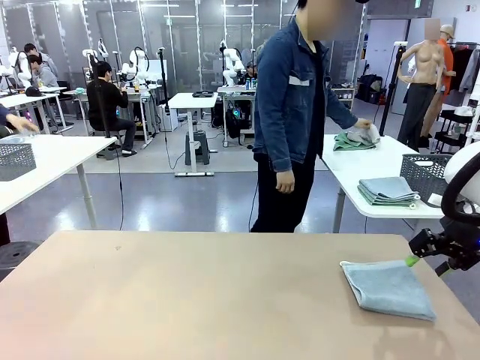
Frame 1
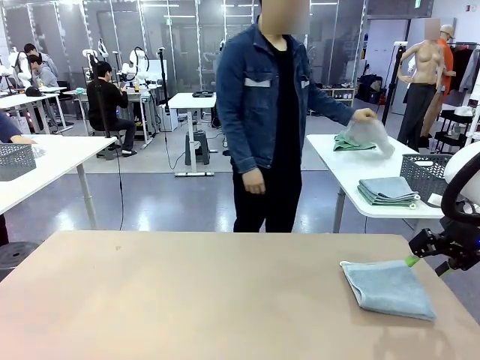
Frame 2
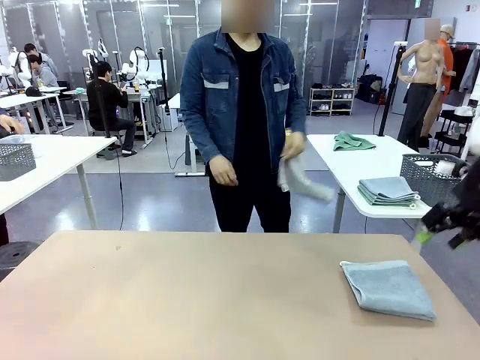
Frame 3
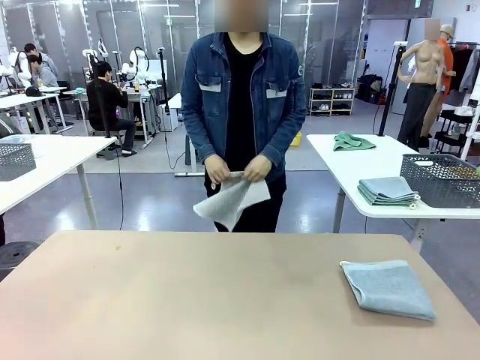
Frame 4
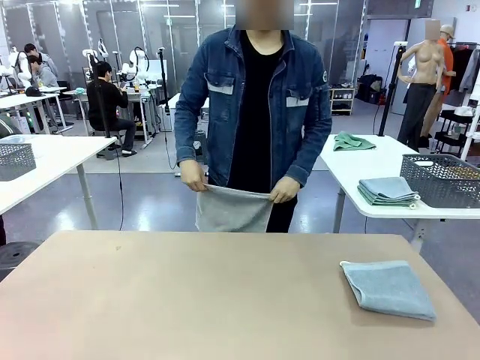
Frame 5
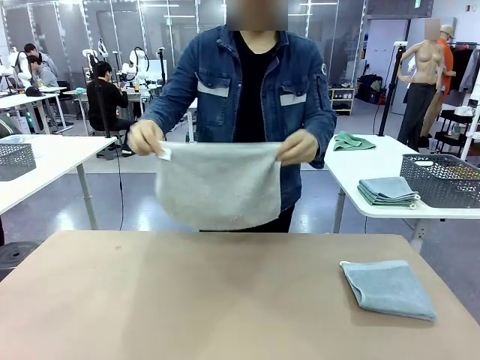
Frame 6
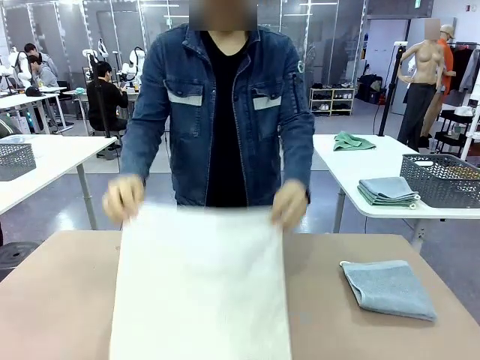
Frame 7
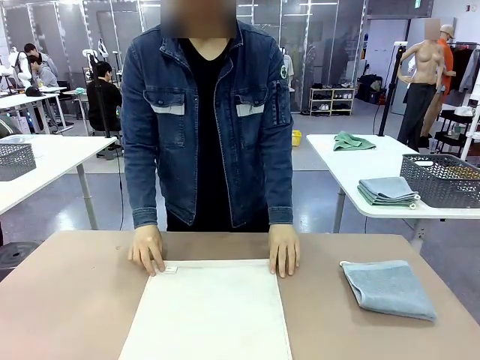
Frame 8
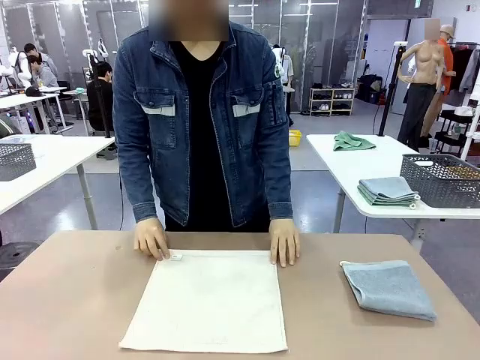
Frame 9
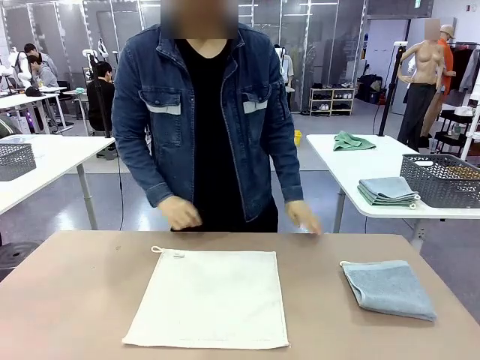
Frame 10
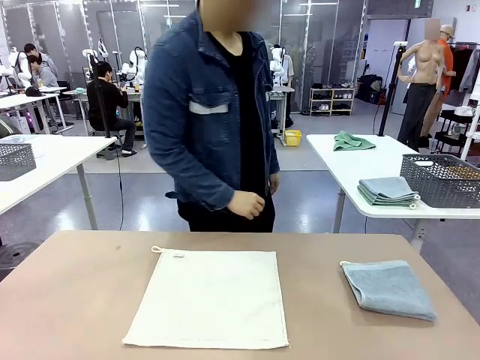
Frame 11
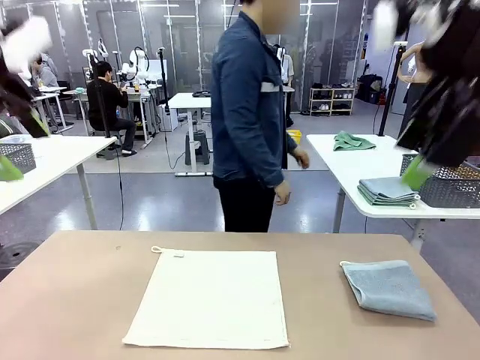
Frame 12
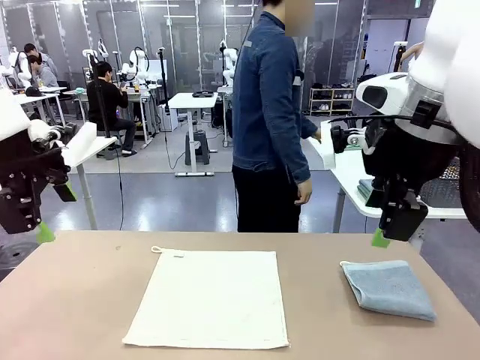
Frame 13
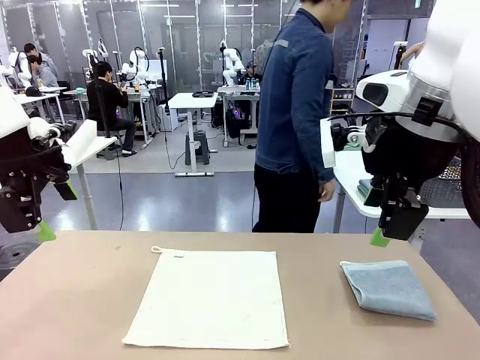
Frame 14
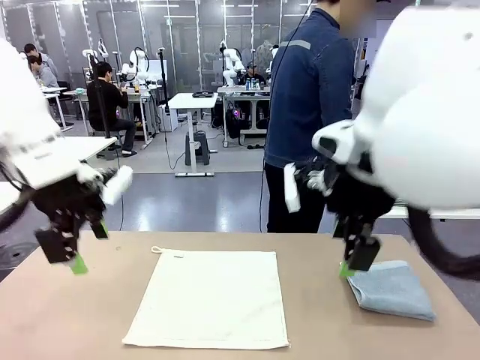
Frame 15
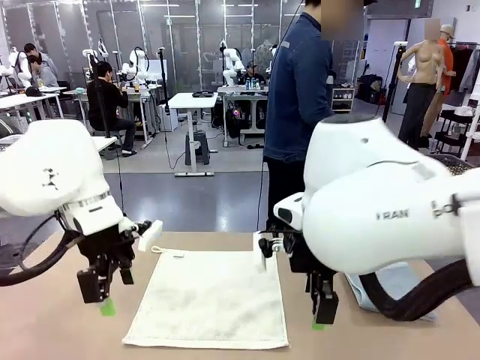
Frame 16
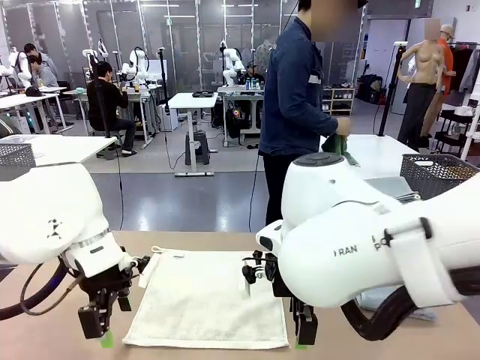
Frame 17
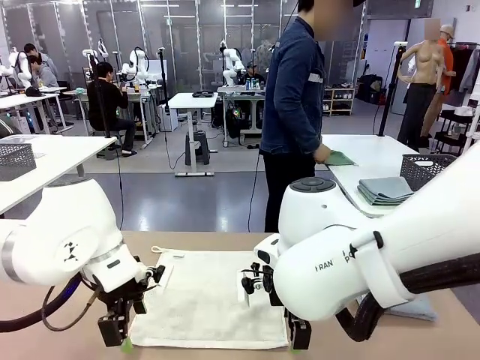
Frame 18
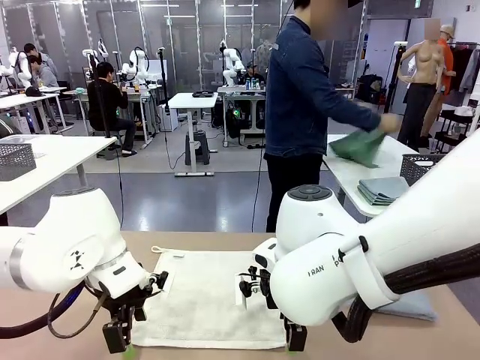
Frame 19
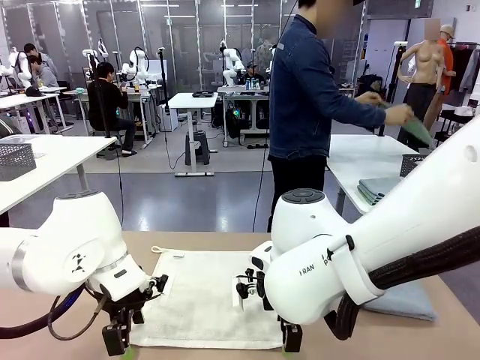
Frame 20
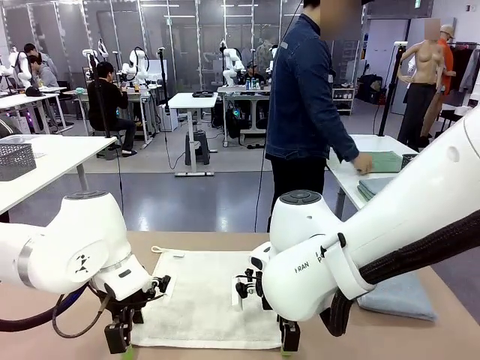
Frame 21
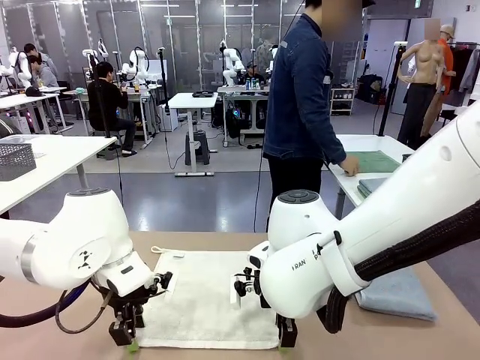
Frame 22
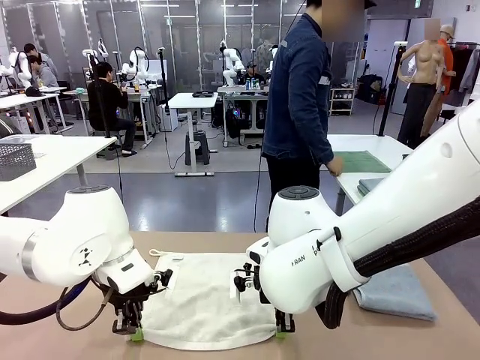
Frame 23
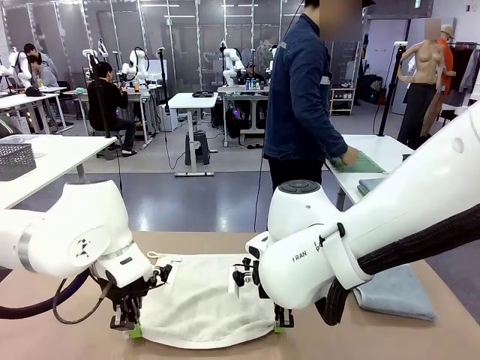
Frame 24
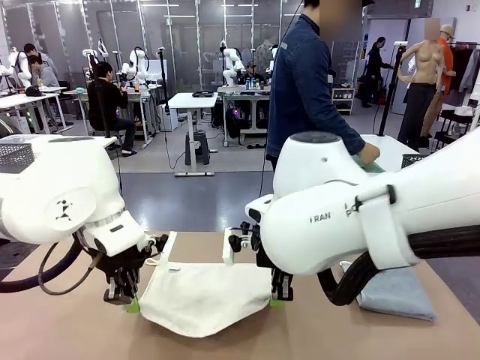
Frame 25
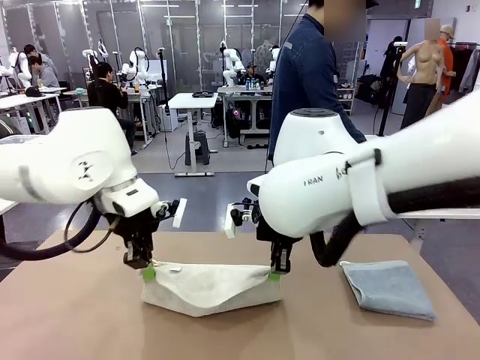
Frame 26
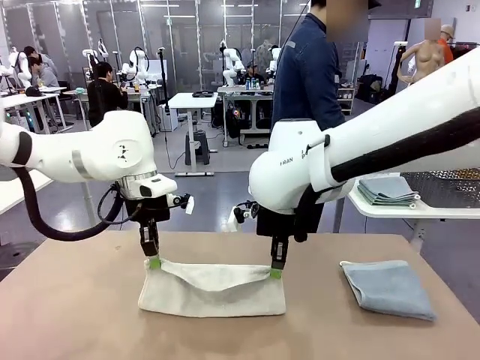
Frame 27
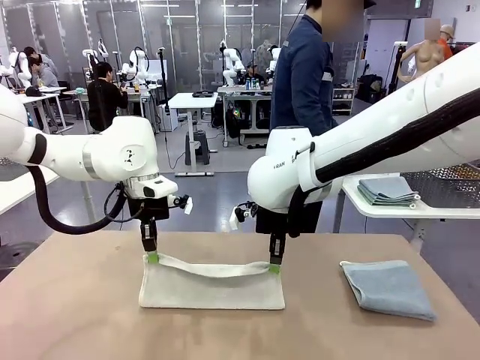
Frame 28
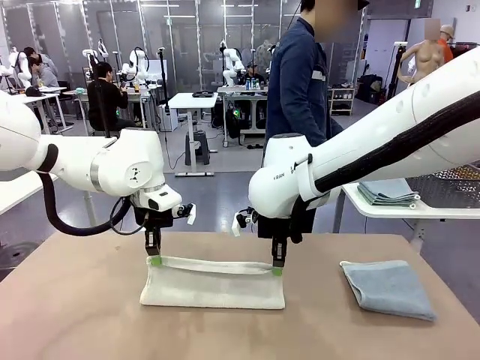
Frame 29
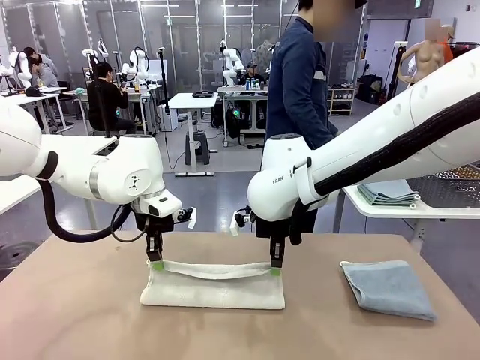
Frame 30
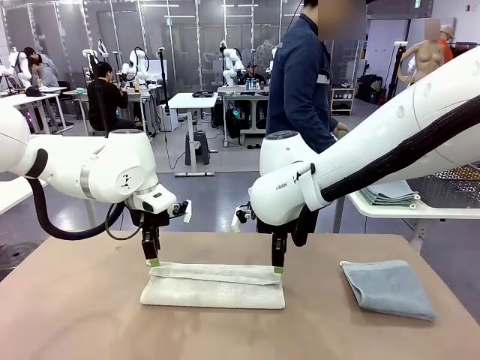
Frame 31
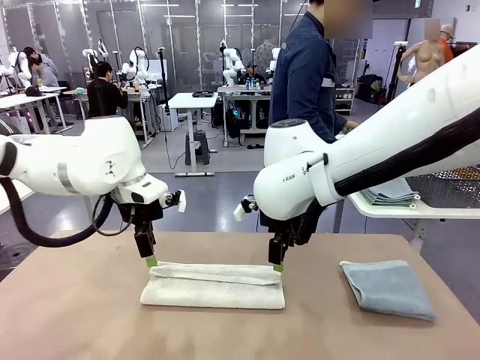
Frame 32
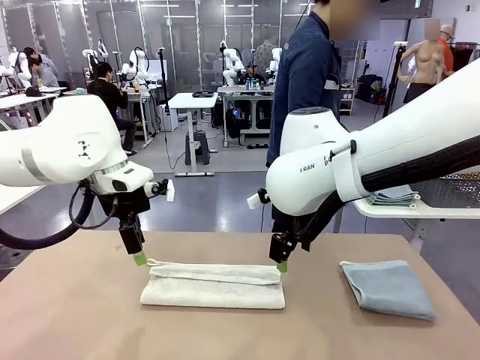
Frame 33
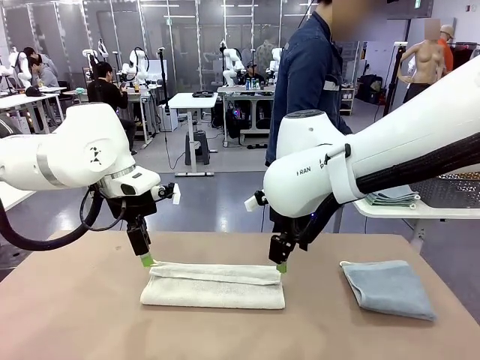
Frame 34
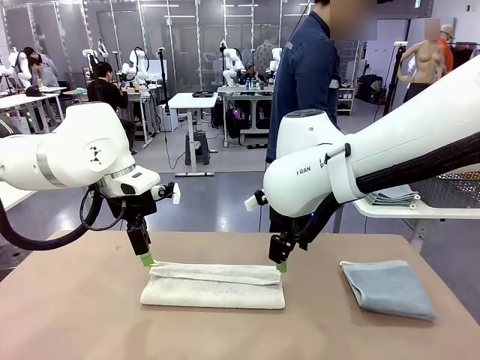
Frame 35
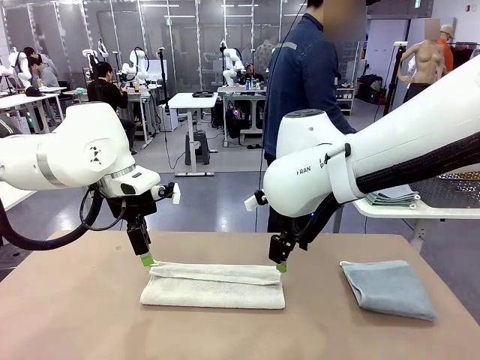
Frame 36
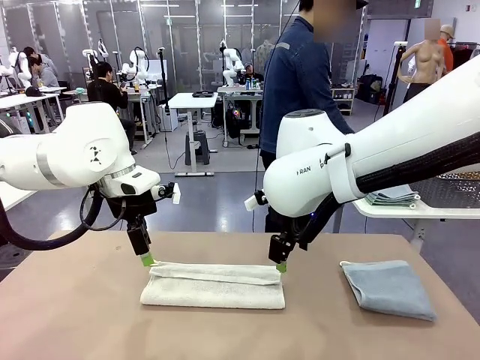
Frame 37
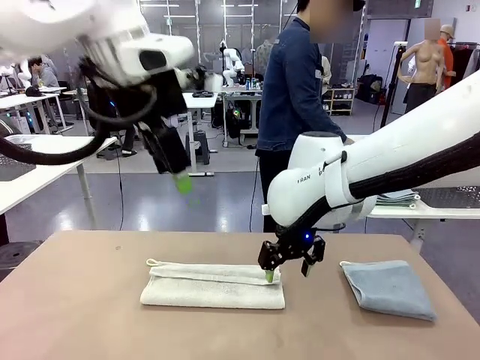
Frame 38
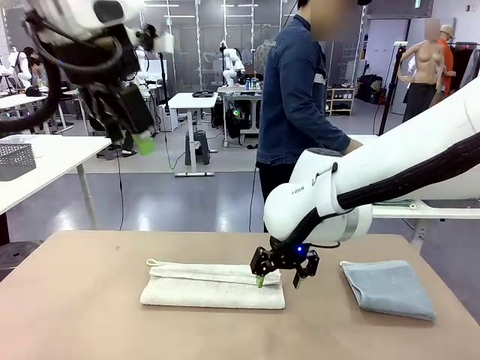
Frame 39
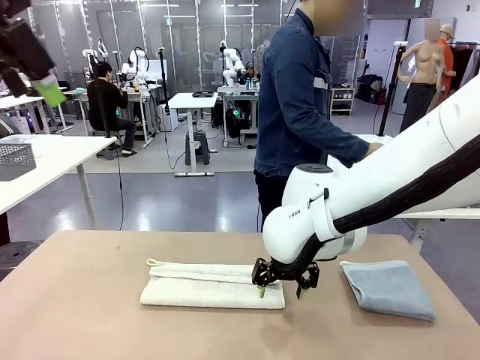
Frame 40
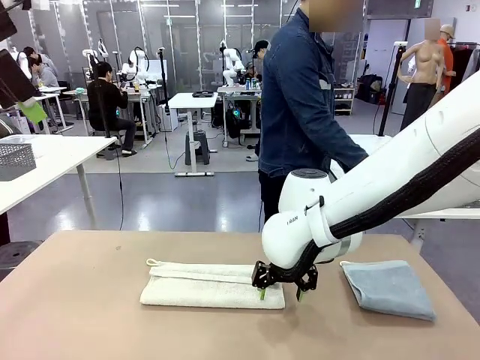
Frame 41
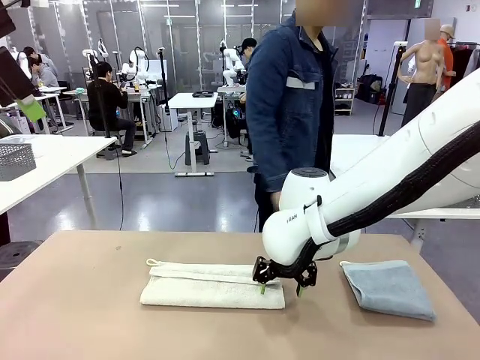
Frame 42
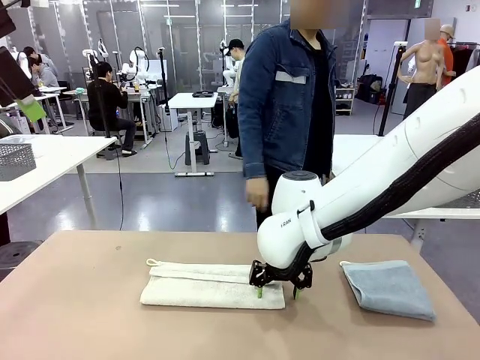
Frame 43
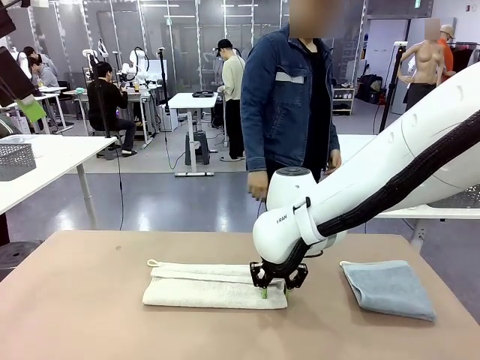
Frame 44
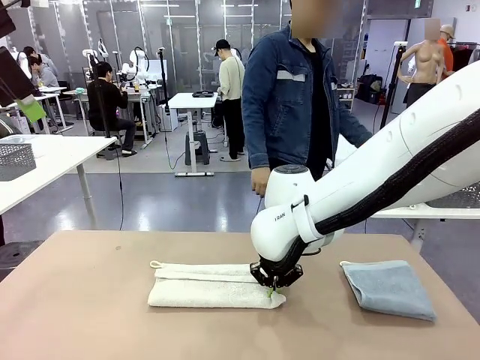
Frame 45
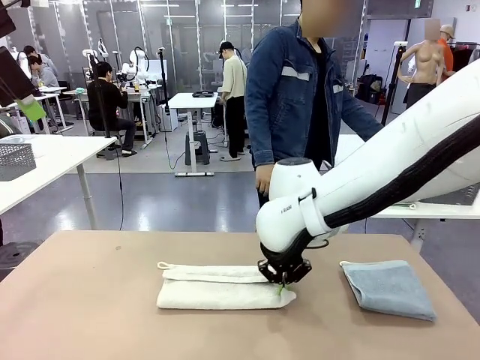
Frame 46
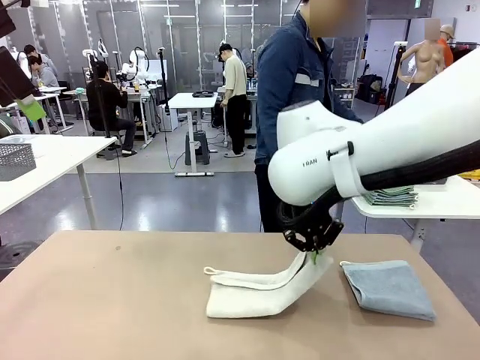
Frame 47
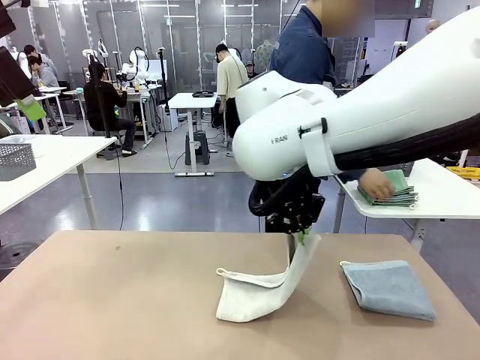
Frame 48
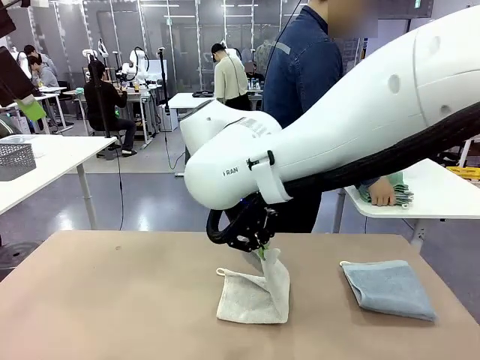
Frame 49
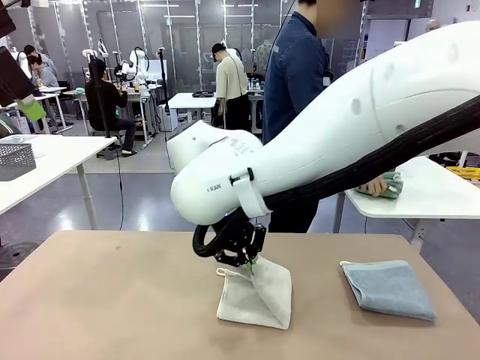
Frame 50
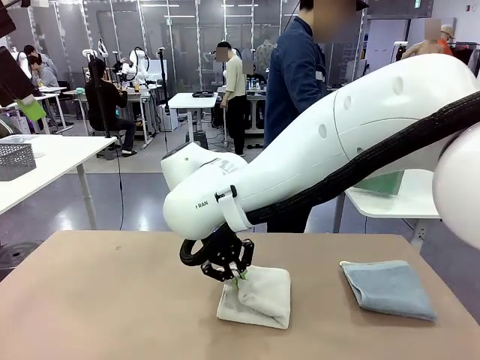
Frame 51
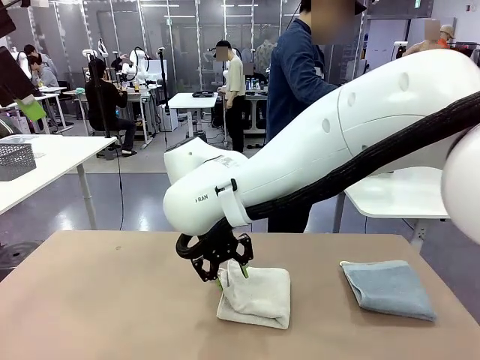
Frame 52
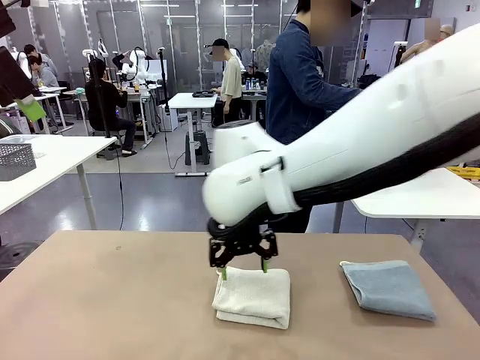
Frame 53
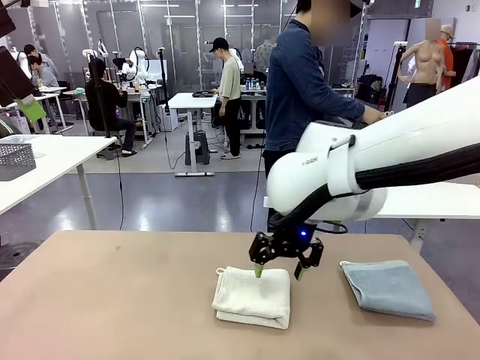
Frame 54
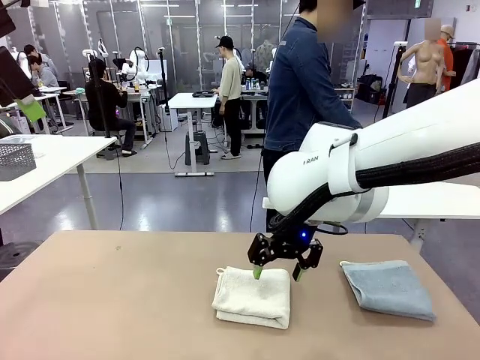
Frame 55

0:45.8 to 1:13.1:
Task: Fold the towels and place them in the basket.
Robot: When a person lays out a Towel with hook on the table, fold it in half twice.
Person: Pick up one towel from the left side of the human table and spread it out at the center of the robot table. Pick up one towel from the left side of the human table, fold it in half twice, and stack it on the right side of the table. Pick up the stack of towels from the right side of the human table, place it into the basket, and put the basket at the center of the table.
